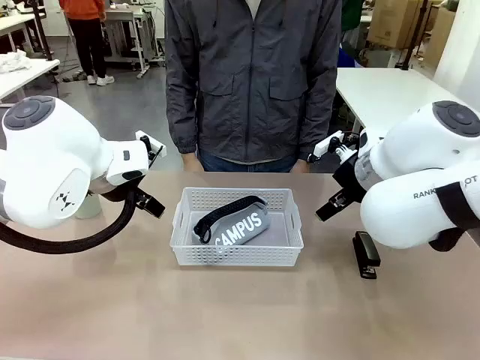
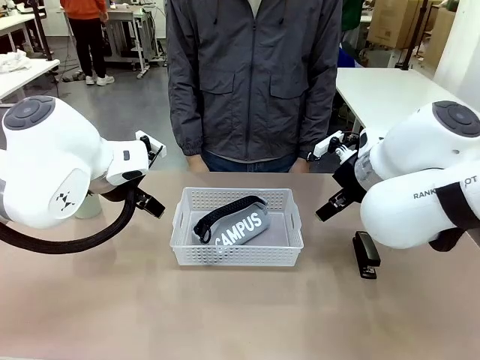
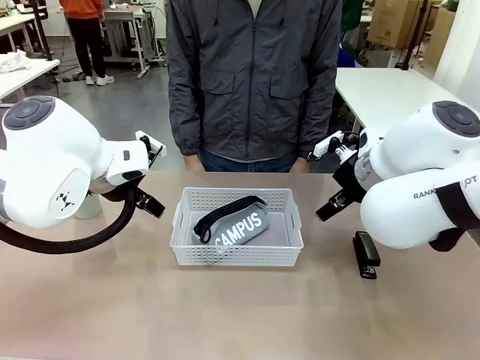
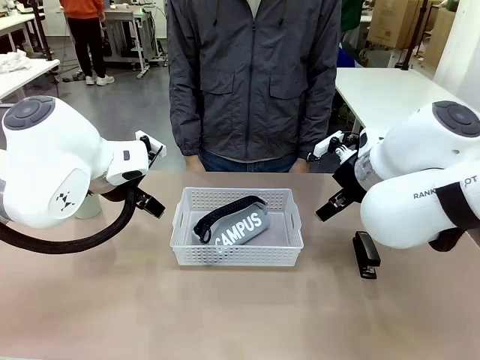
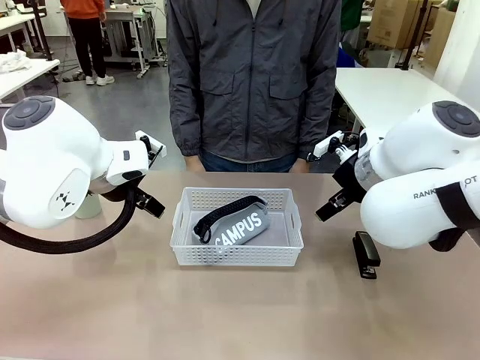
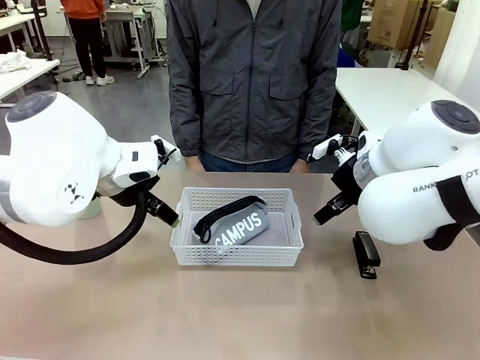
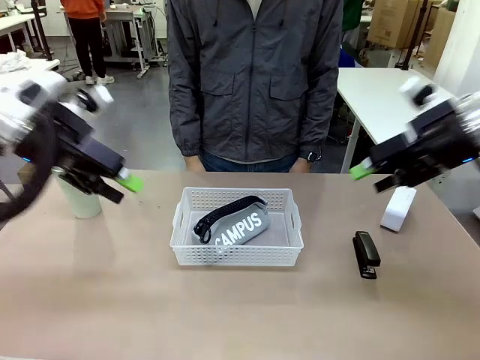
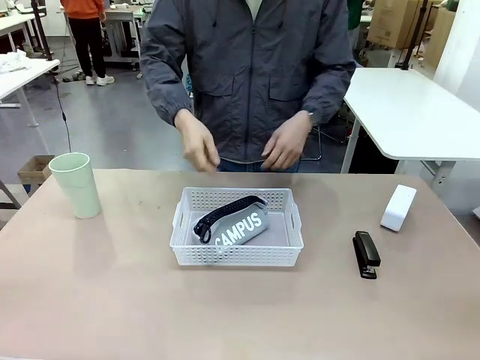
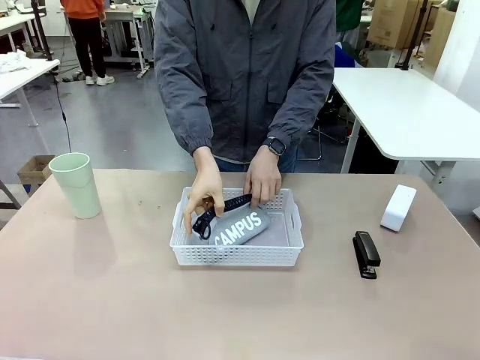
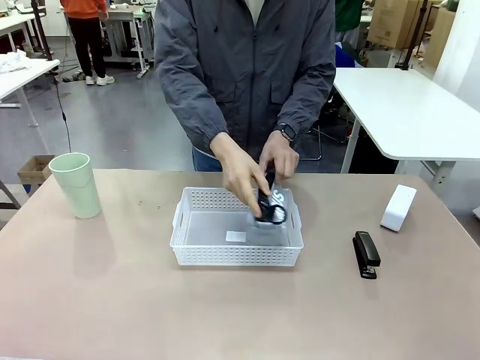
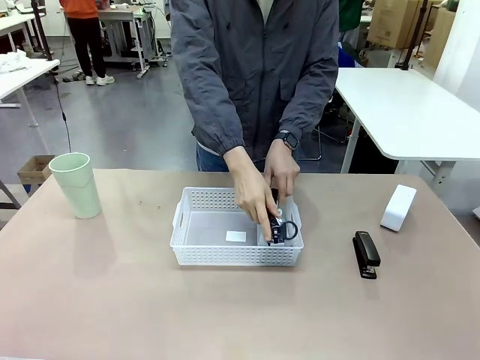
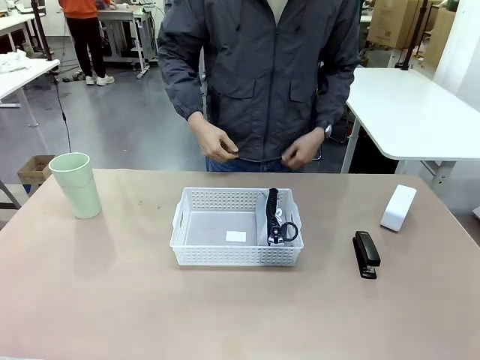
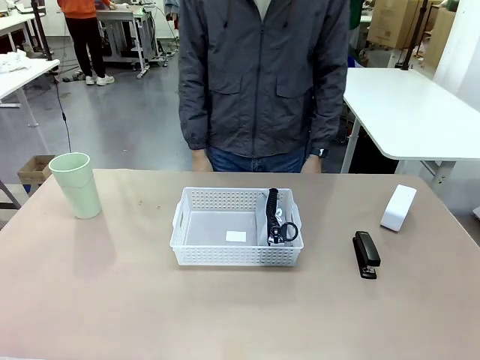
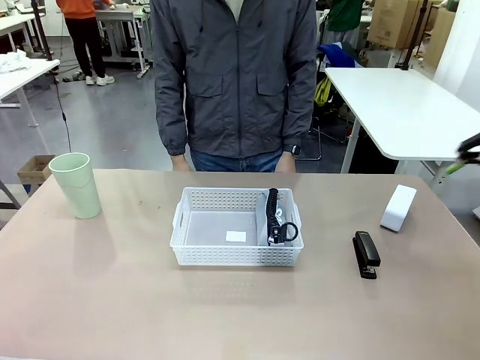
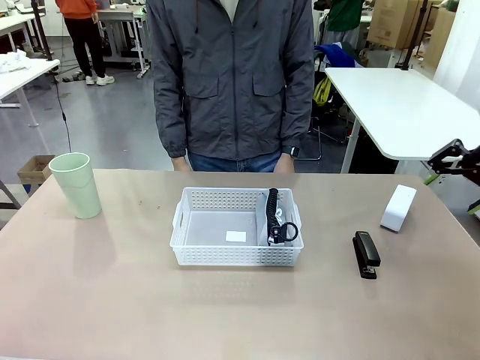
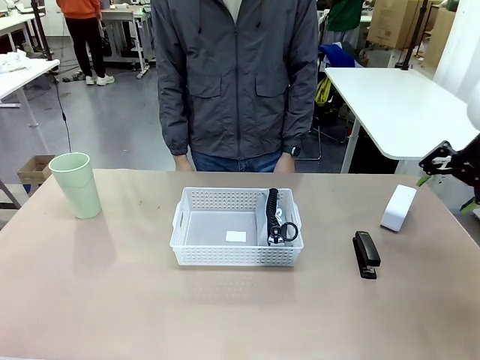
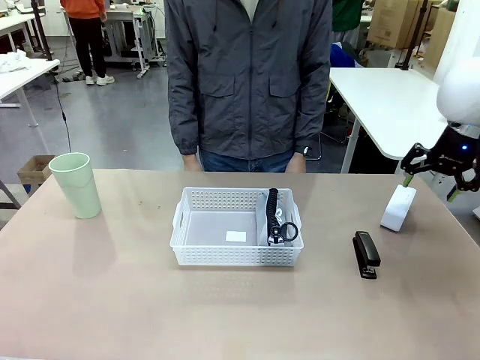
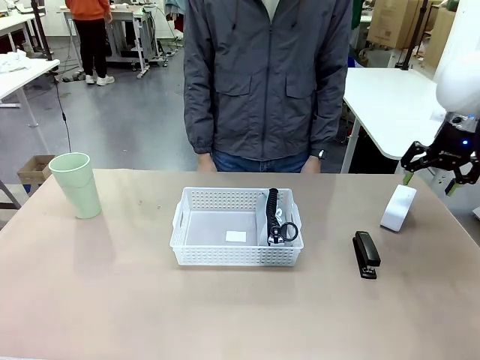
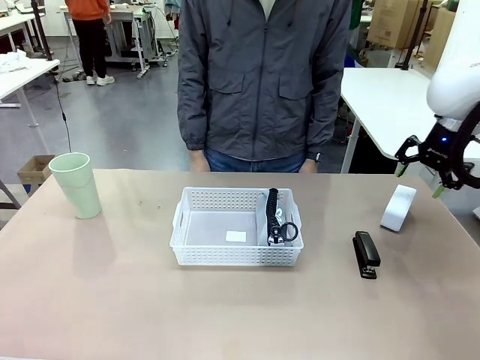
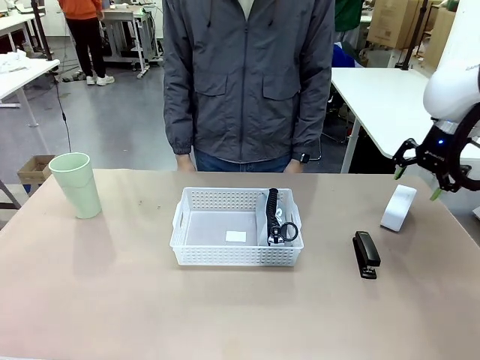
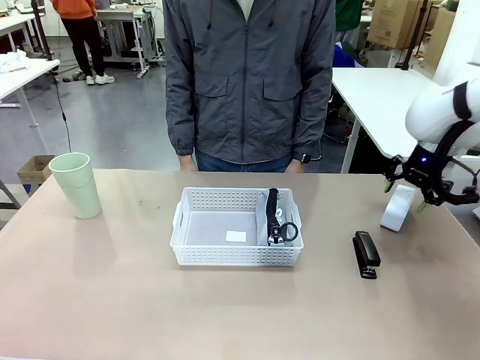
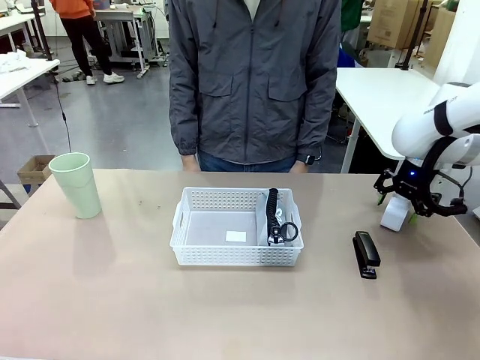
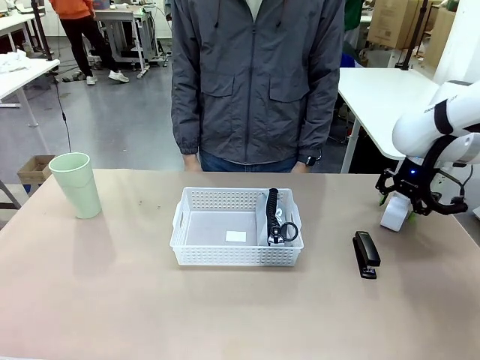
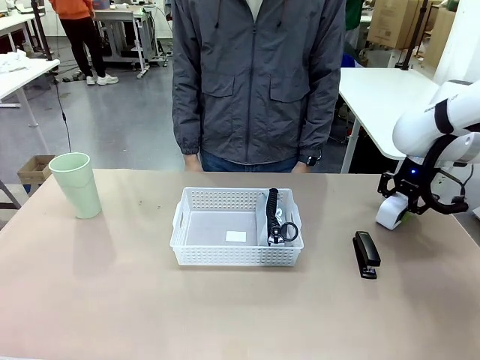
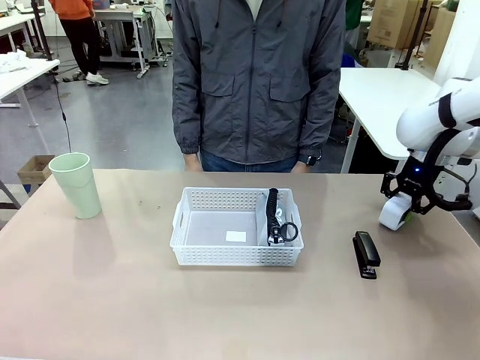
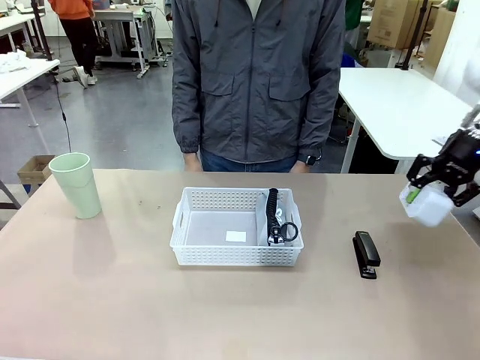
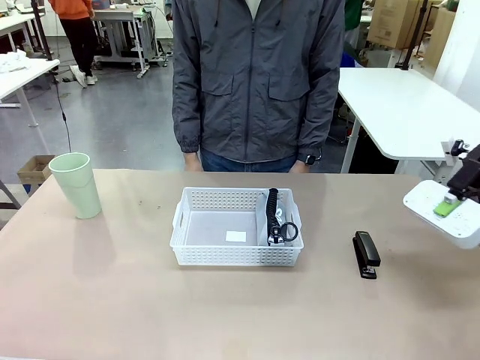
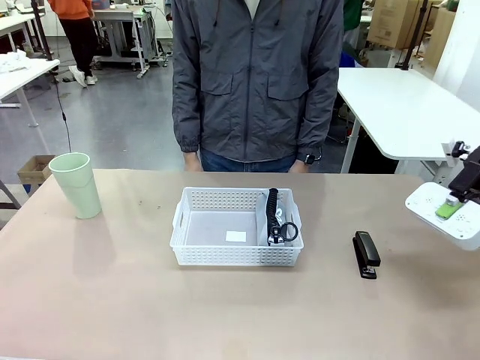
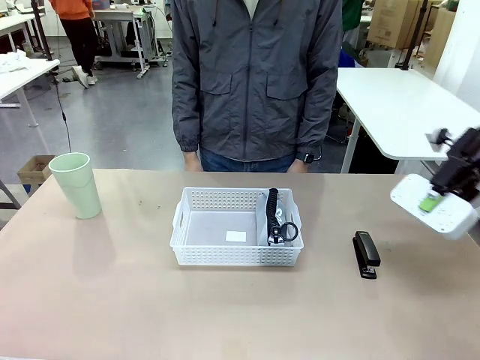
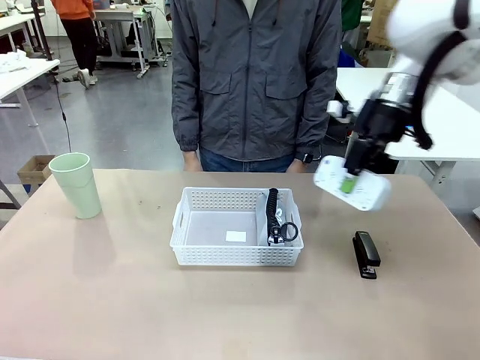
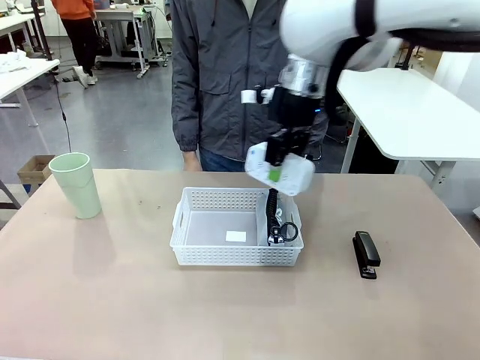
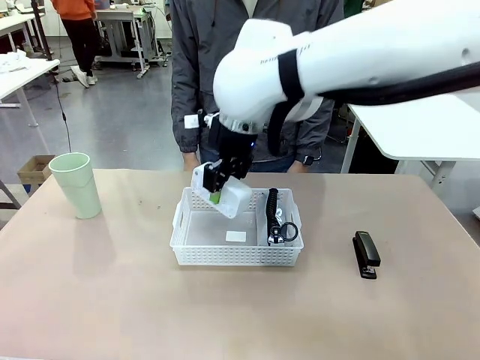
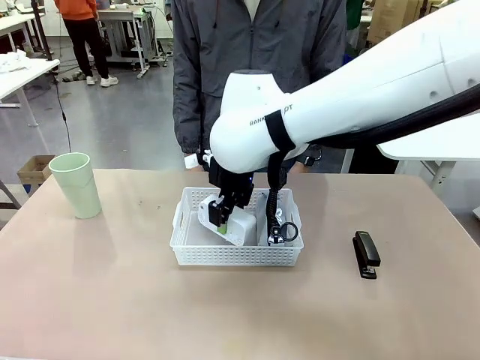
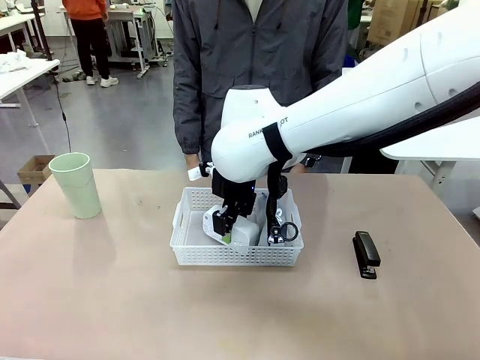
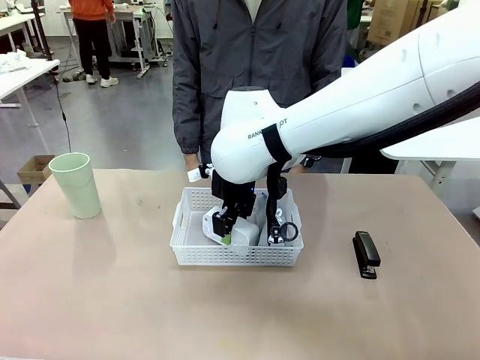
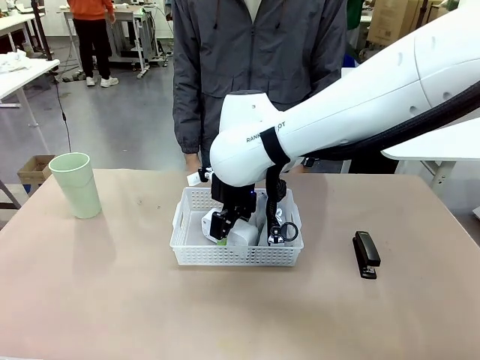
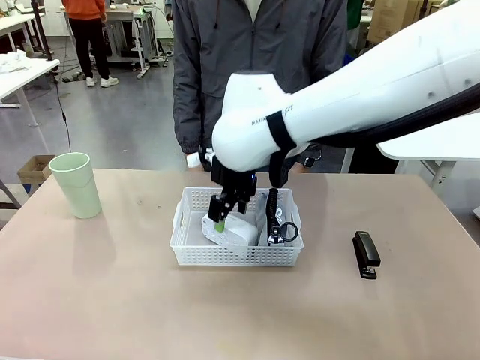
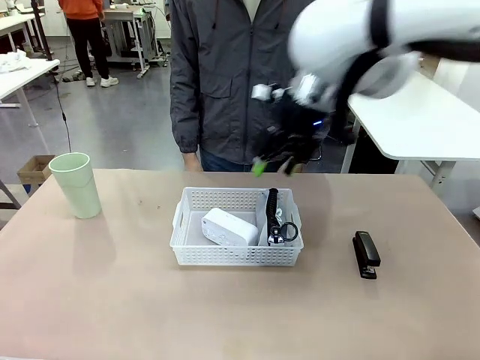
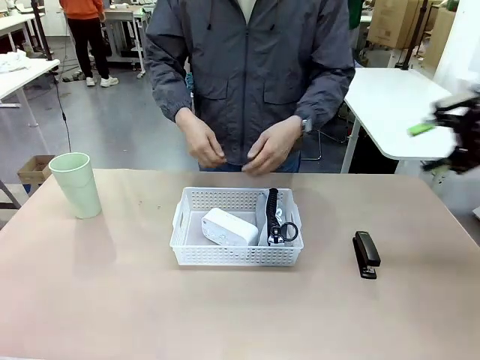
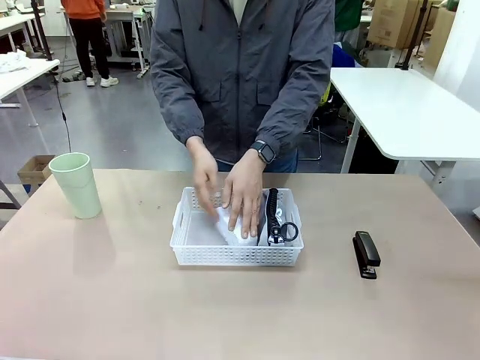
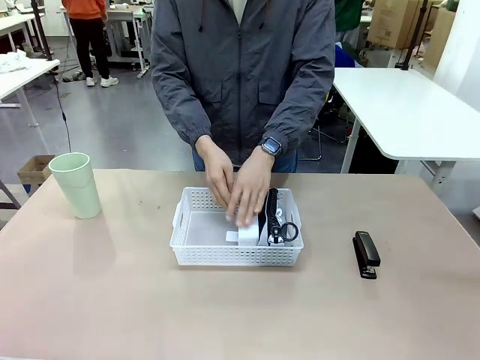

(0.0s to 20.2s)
Task: Efficiently arrange items inside the basket to fit them all.
Robot: Pick up the Digital clock and place it inside the Organizing basket.
Person: Repositions the pencil case. Repositions the digital clock.
